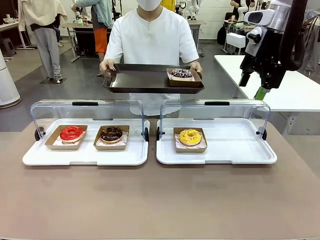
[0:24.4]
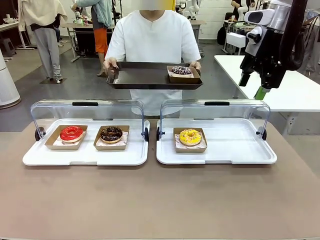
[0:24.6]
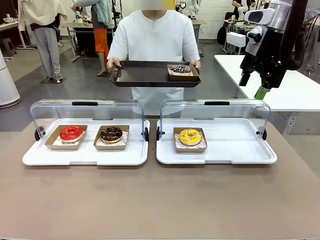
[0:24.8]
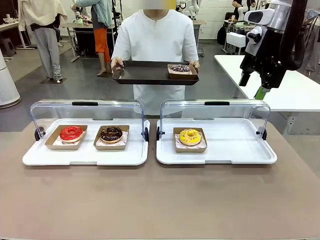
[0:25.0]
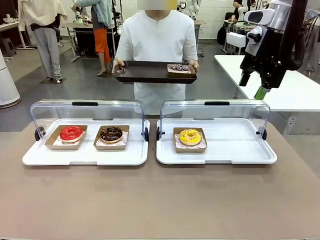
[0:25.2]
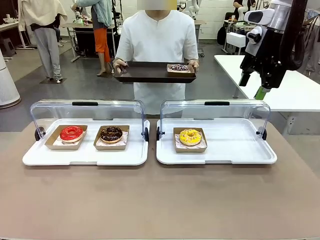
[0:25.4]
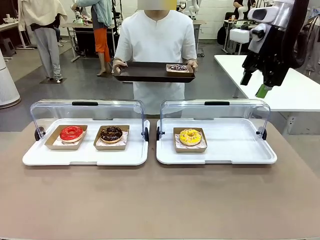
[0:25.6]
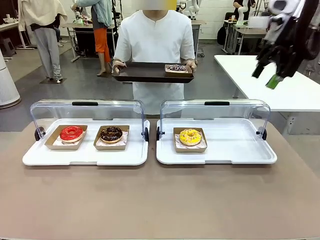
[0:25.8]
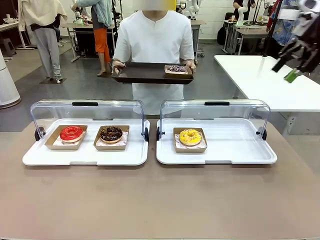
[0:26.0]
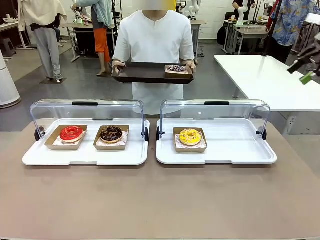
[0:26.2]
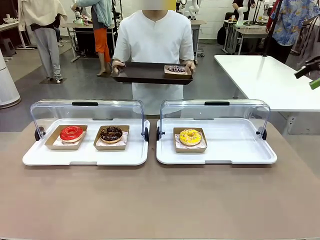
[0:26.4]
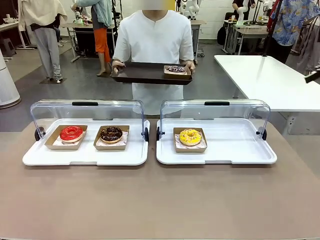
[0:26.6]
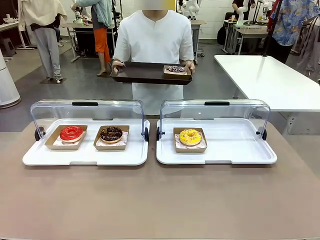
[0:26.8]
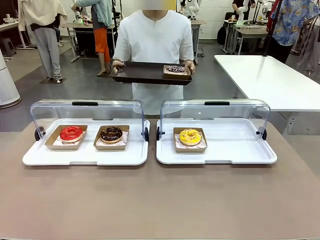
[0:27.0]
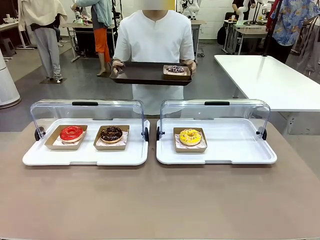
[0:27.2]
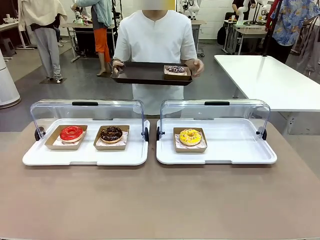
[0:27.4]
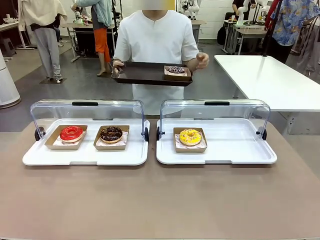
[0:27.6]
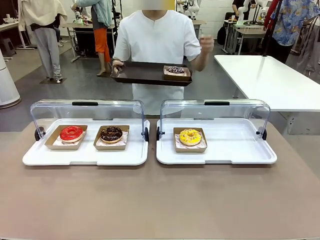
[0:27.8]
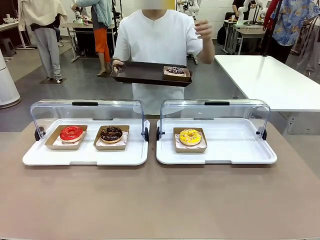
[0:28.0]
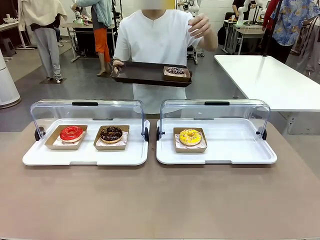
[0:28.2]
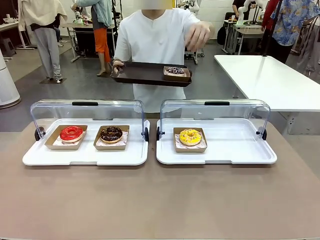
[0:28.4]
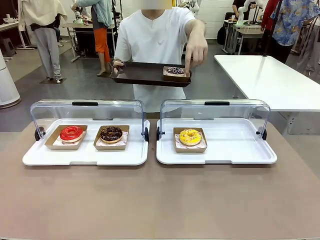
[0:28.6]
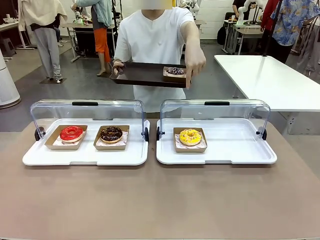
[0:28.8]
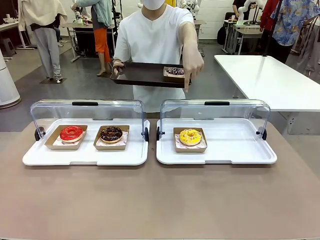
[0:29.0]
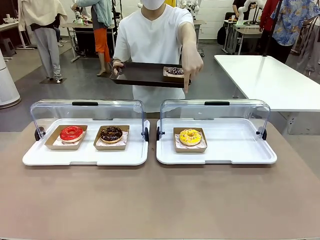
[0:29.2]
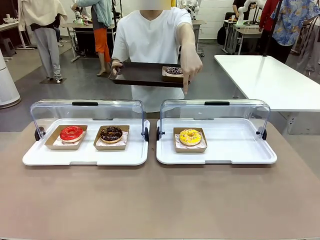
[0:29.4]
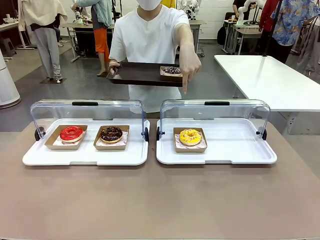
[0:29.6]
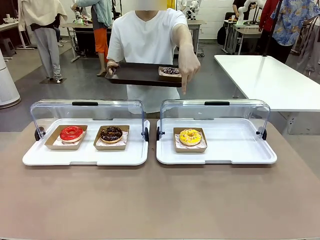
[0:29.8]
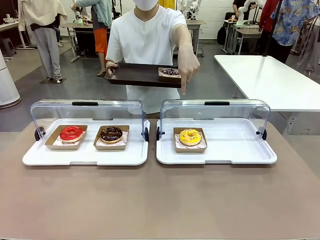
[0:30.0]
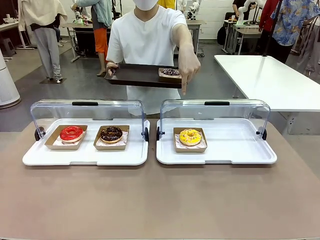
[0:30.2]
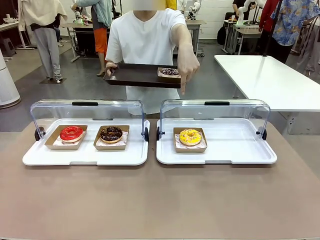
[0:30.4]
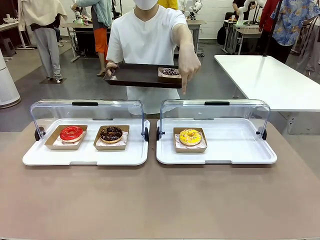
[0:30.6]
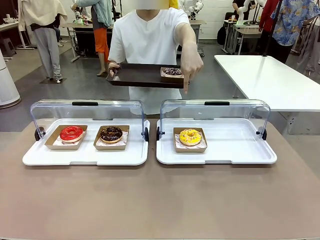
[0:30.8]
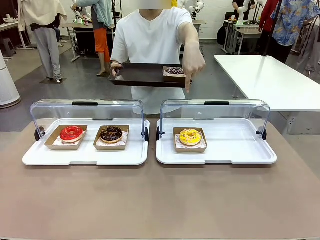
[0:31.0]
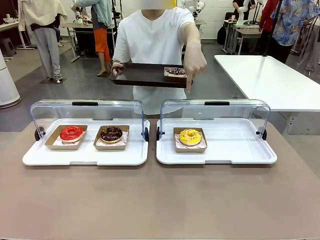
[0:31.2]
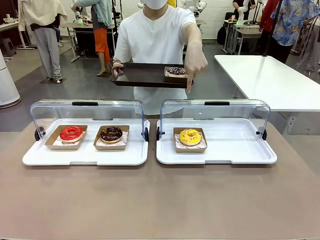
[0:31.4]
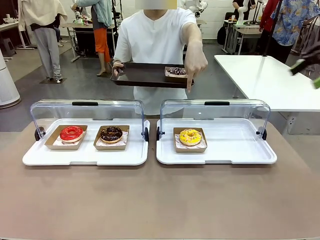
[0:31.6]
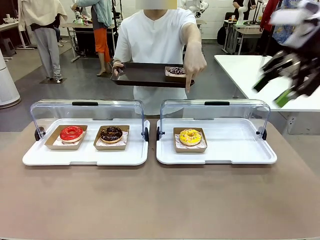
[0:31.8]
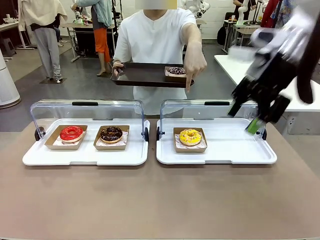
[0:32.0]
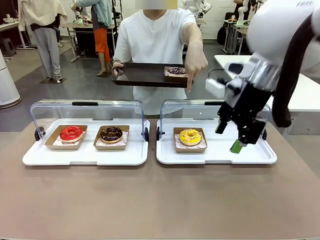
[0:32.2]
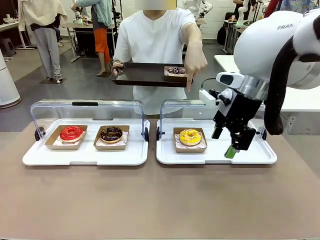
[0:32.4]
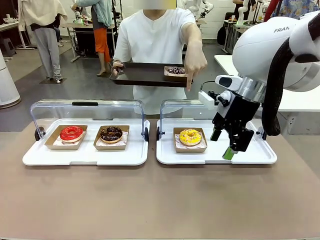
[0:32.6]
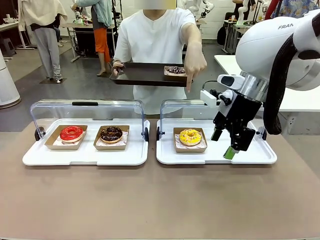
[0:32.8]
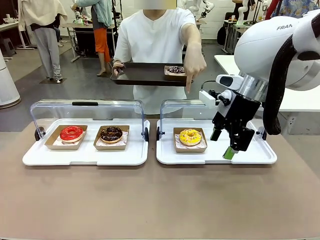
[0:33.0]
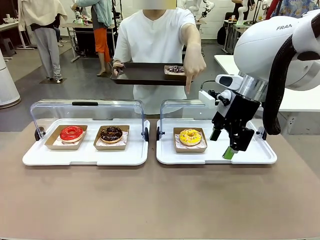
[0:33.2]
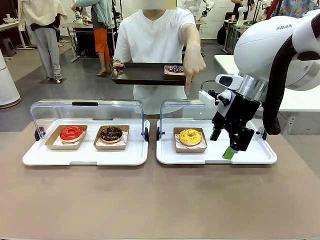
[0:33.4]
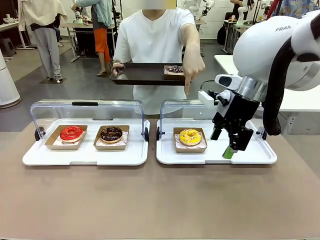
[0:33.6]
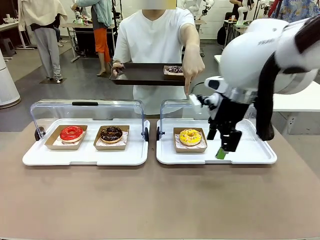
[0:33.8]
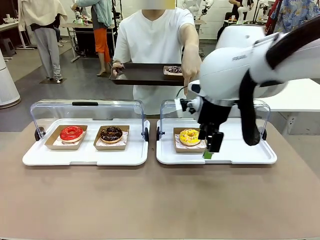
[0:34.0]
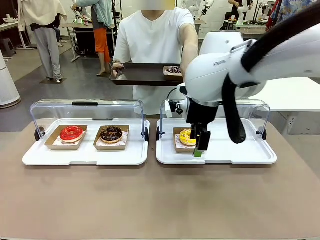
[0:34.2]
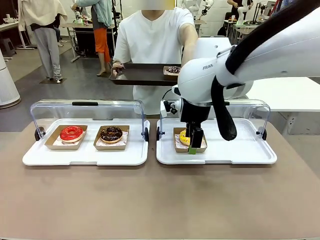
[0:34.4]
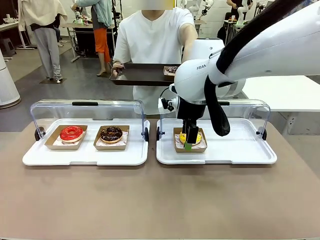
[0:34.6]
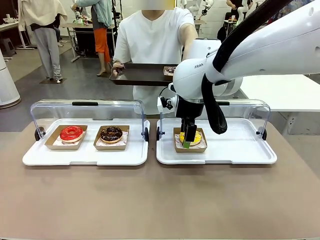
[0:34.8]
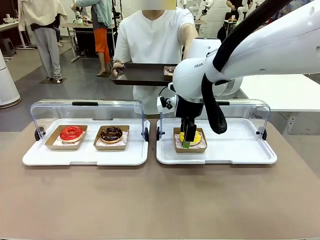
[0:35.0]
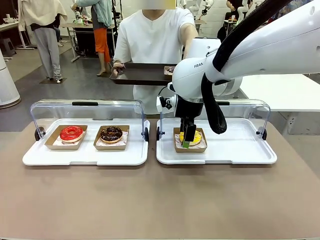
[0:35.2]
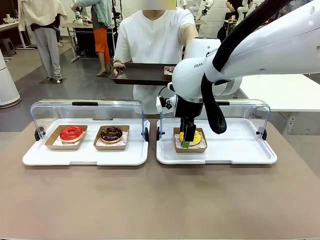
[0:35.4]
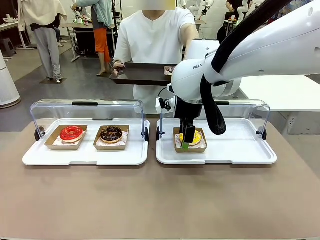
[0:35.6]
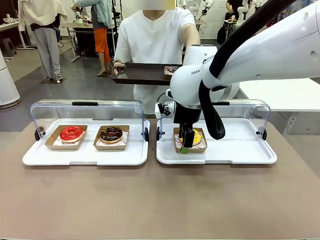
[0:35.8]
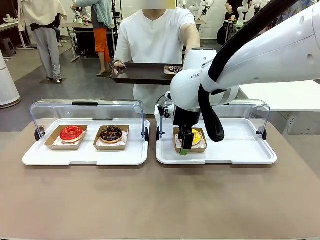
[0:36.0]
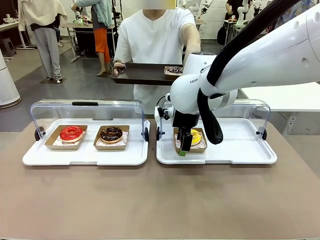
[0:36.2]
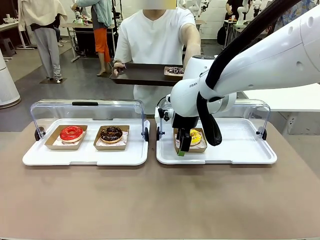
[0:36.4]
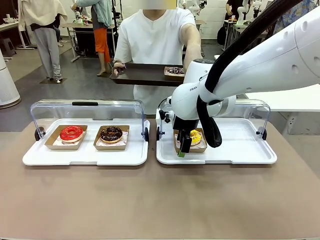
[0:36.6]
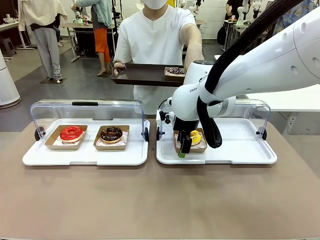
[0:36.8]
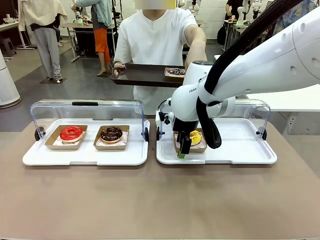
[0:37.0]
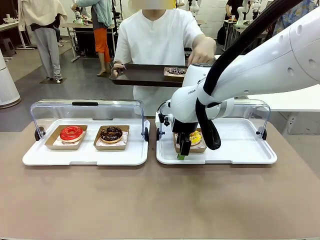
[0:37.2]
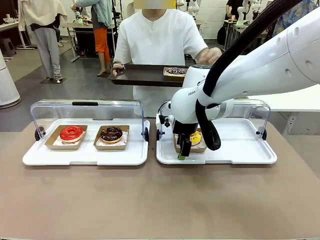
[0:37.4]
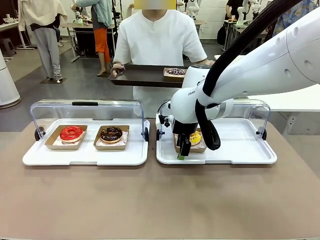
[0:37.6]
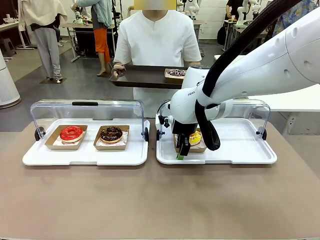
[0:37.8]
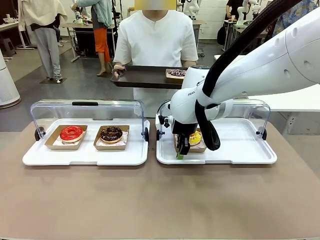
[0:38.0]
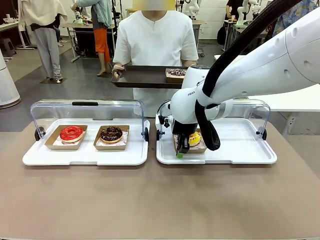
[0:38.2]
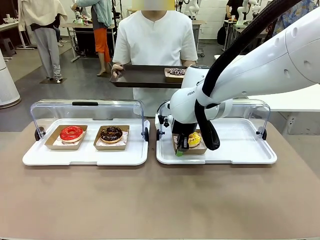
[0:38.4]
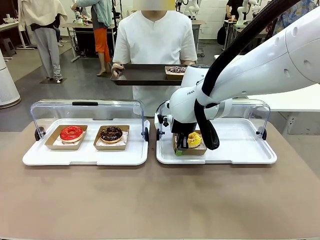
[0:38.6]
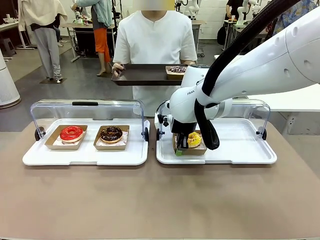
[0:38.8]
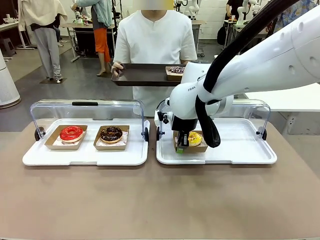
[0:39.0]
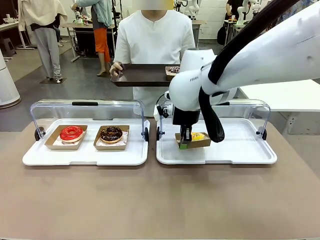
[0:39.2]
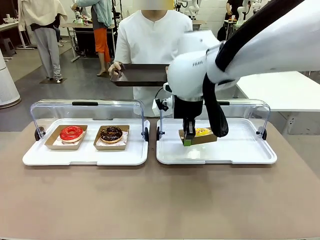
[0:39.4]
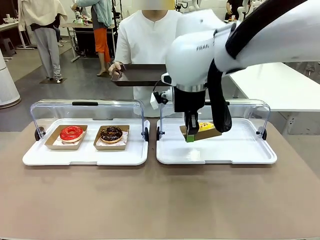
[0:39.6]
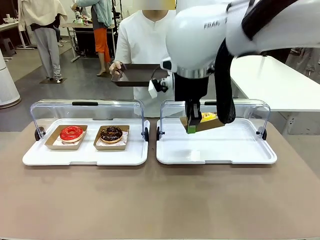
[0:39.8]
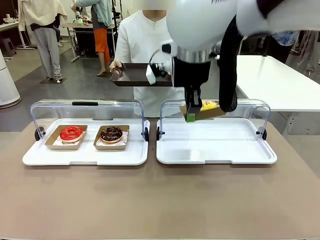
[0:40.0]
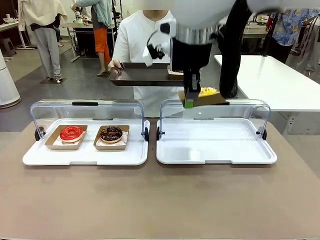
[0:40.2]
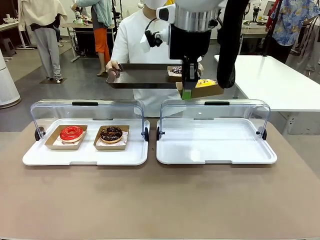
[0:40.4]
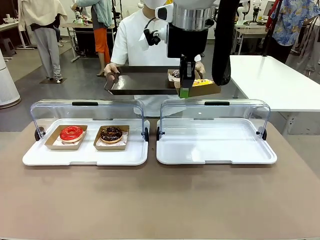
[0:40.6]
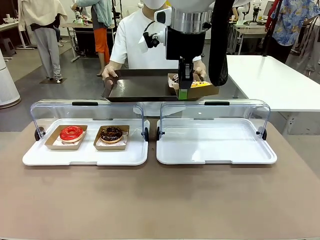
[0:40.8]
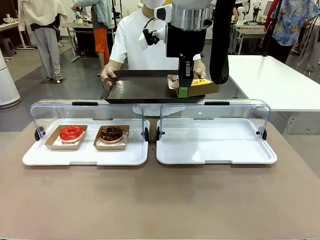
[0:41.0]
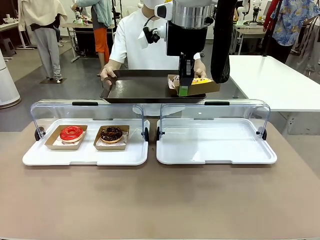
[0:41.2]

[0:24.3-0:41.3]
Task: Provide the desired donut to the person.
Robot: Pick up and lift the Paper togo box containing the Donut pointed at by the person.
Person: Point to one donut. Lift the tray onto the Roll-Top Bakery Case.

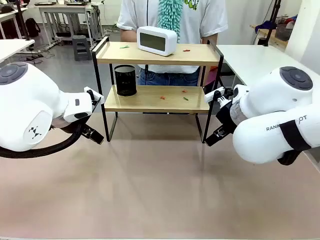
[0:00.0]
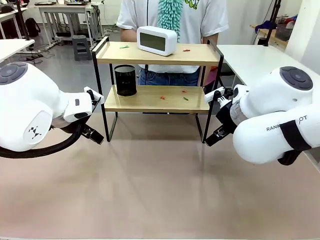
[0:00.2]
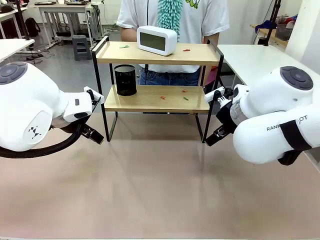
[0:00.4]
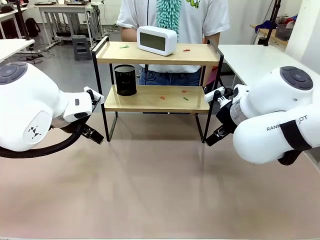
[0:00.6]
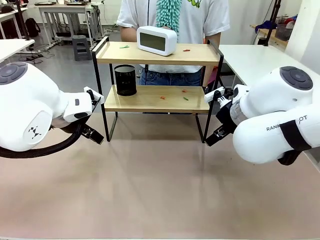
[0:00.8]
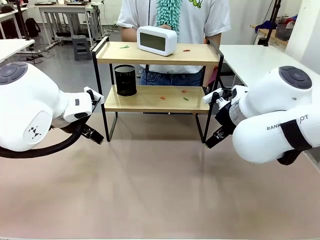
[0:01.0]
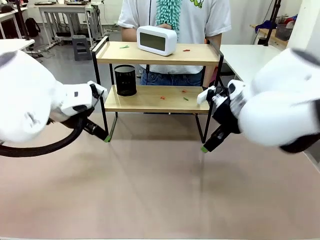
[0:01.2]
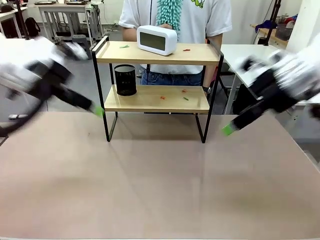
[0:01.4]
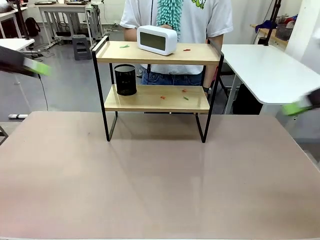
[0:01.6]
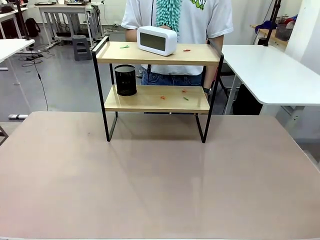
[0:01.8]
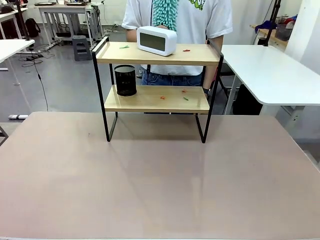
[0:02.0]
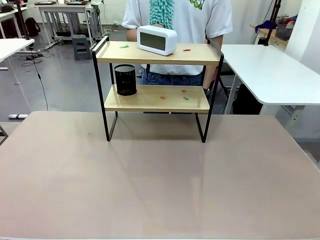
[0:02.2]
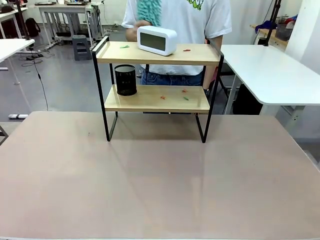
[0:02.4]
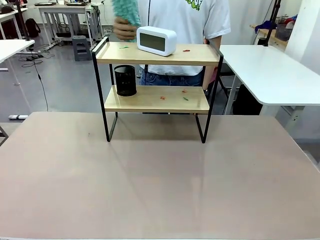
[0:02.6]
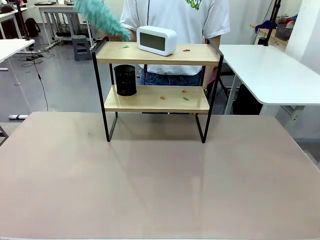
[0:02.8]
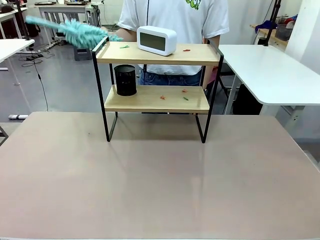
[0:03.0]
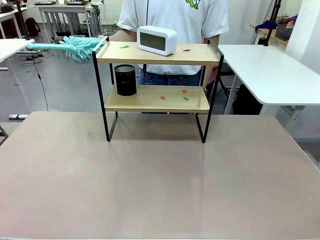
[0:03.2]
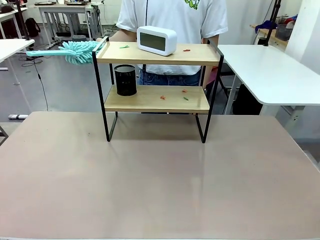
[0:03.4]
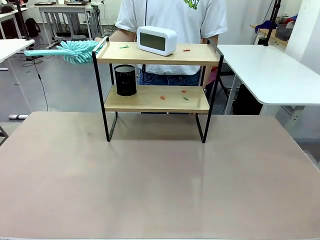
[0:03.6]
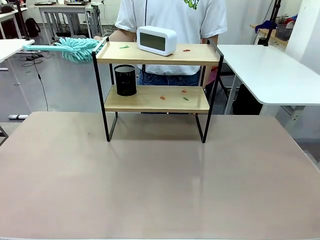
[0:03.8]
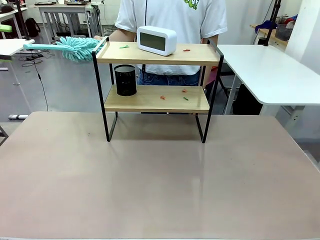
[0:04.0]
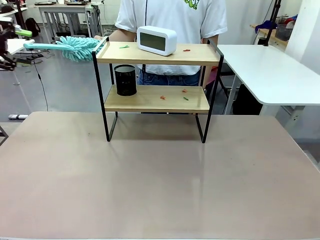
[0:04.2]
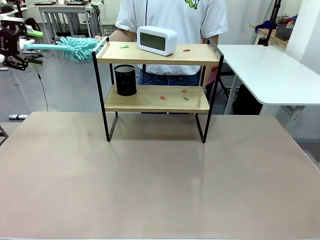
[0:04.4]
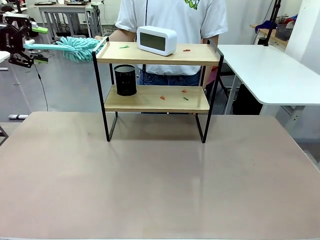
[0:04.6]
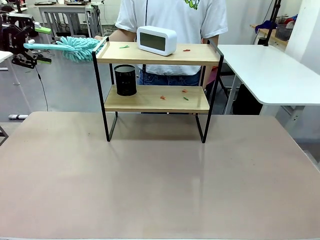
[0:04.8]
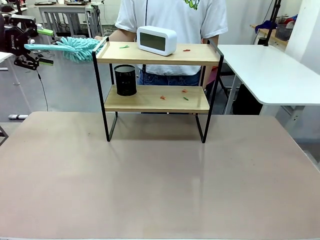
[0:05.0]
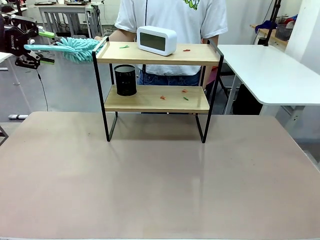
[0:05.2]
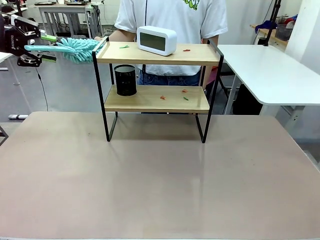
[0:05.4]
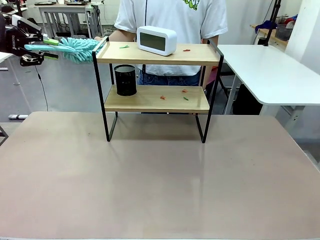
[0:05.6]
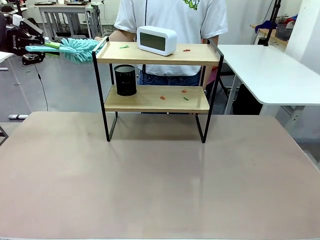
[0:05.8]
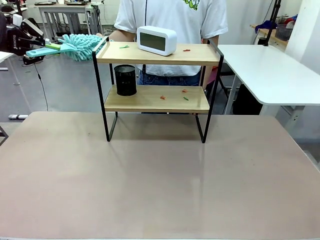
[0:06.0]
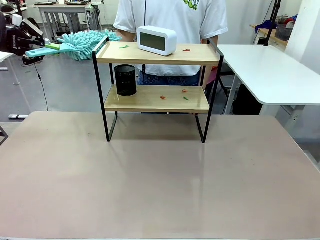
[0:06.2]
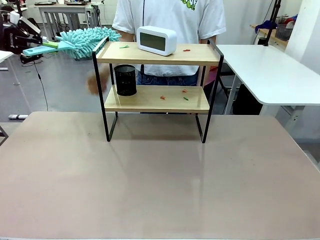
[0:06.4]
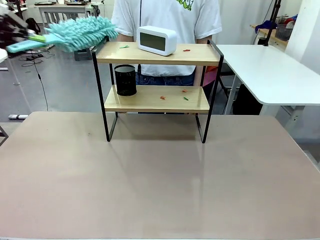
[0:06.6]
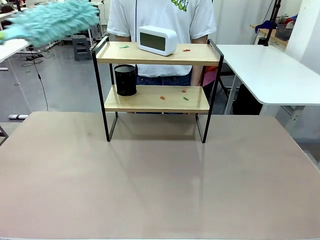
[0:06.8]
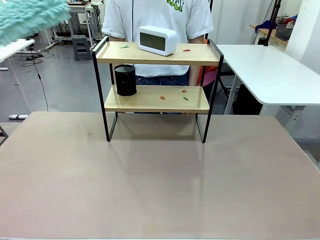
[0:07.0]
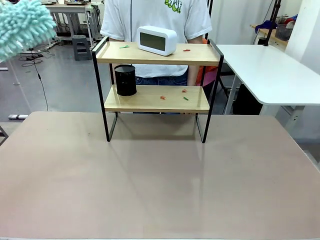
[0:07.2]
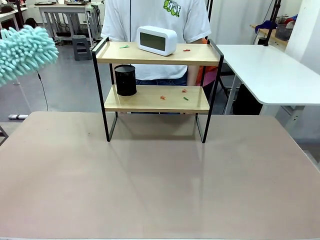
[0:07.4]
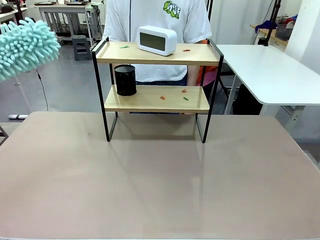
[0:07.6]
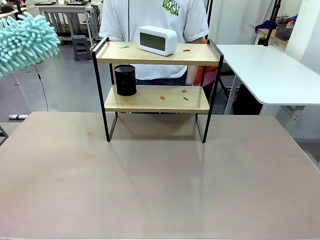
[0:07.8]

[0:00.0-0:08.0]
Task: Clean the shelf.
Robot: Pick up the Duster from the human.
Person: Hand the Duster to the robot.
